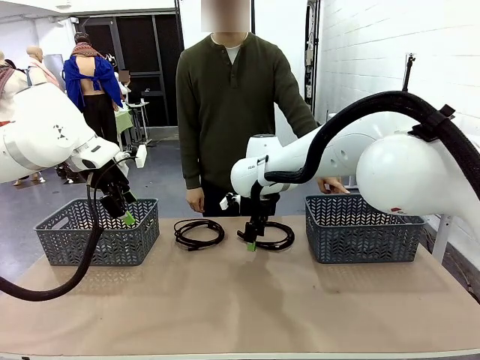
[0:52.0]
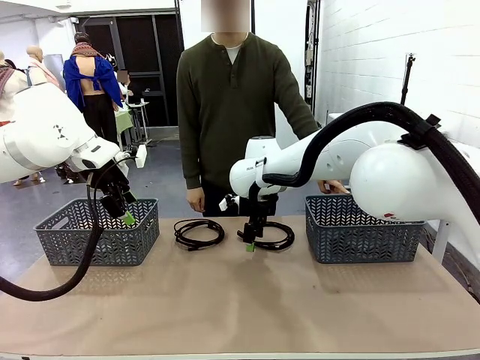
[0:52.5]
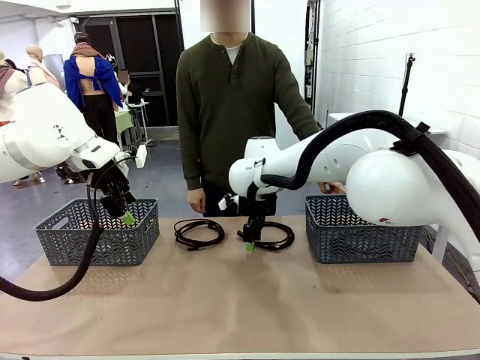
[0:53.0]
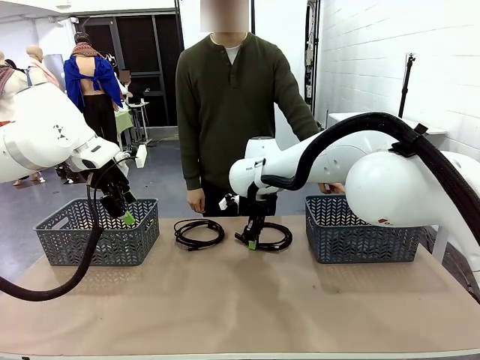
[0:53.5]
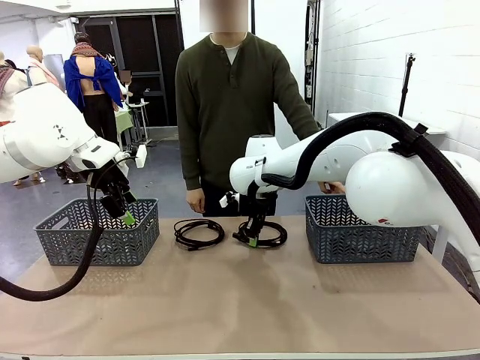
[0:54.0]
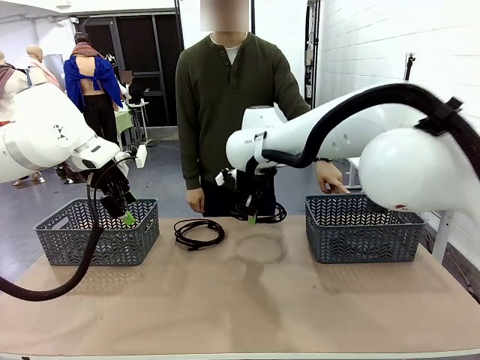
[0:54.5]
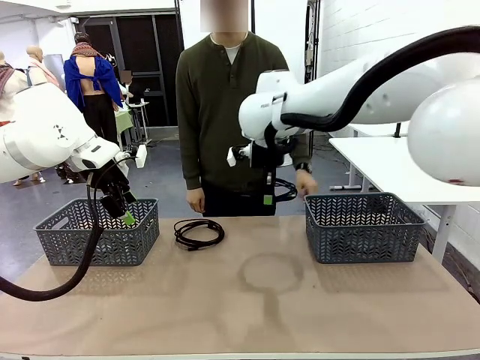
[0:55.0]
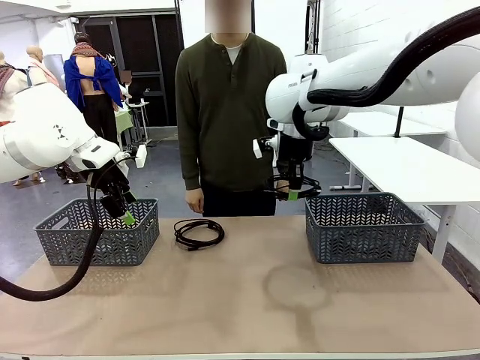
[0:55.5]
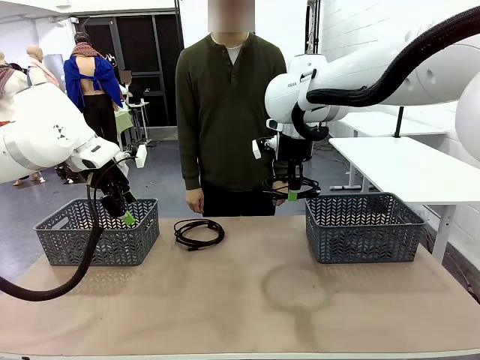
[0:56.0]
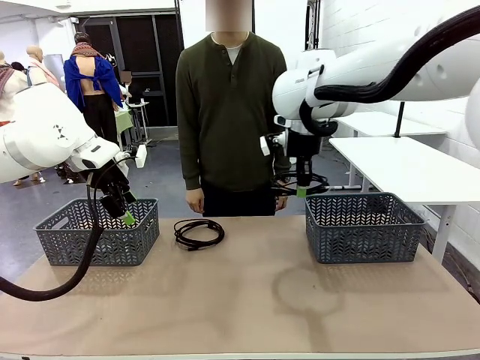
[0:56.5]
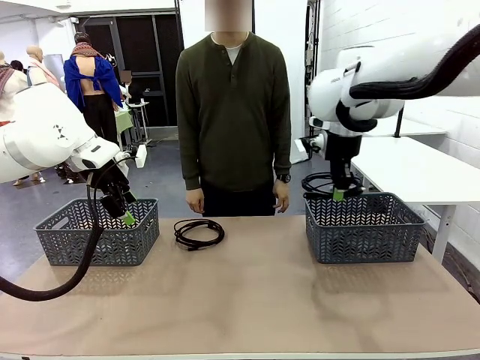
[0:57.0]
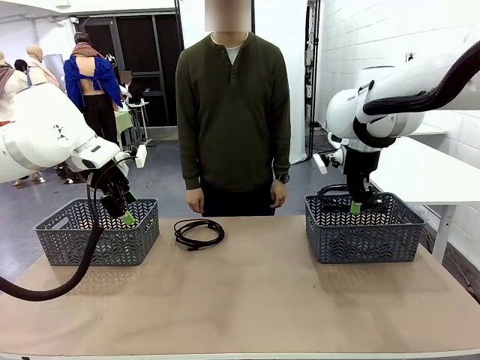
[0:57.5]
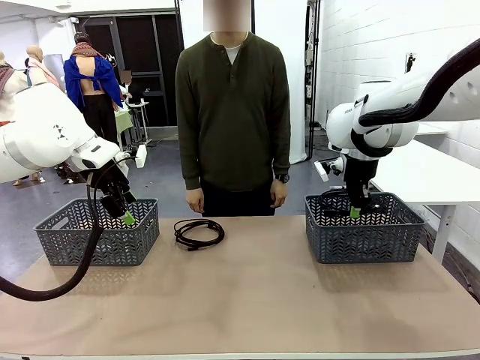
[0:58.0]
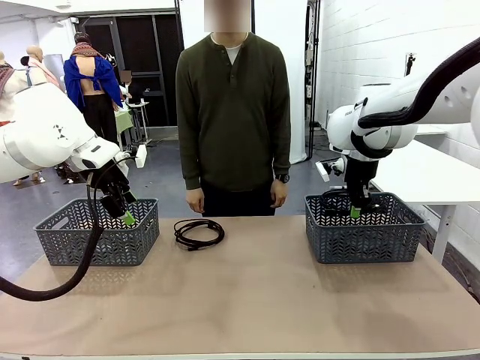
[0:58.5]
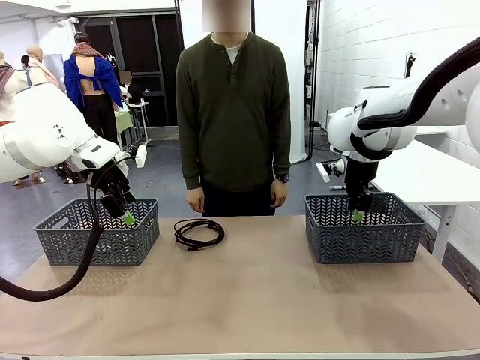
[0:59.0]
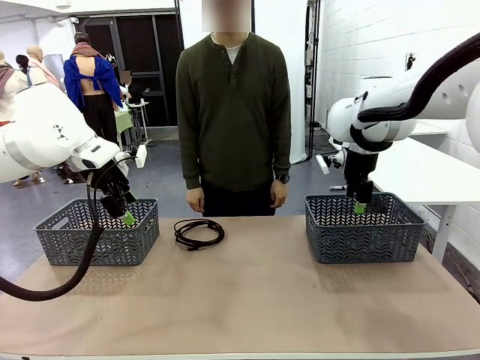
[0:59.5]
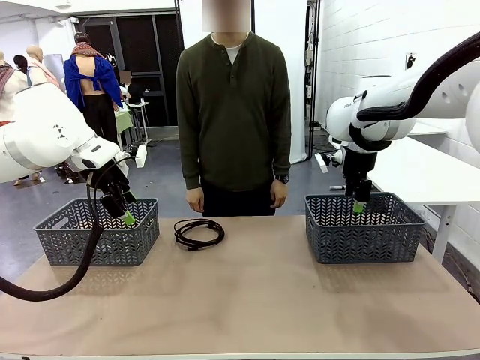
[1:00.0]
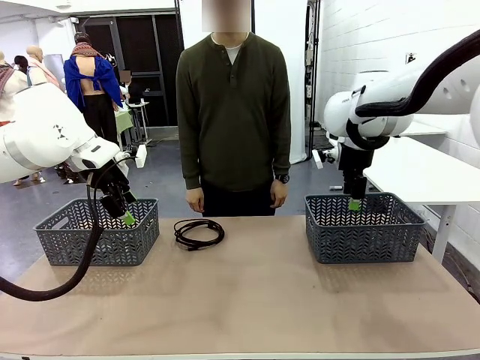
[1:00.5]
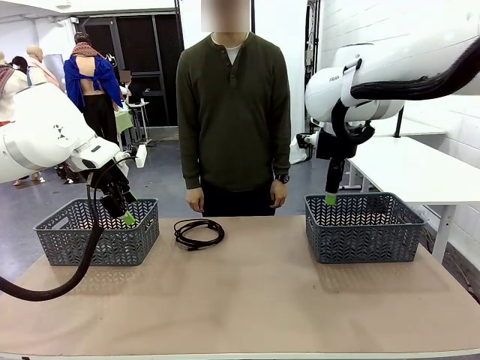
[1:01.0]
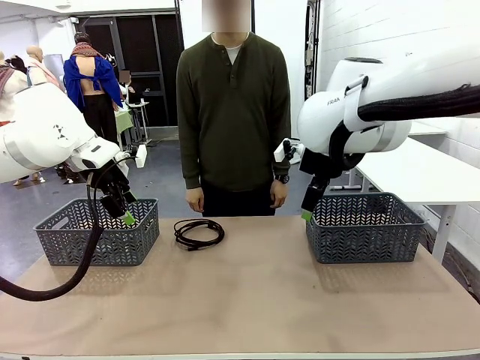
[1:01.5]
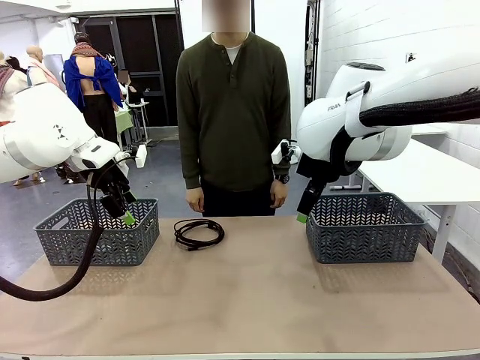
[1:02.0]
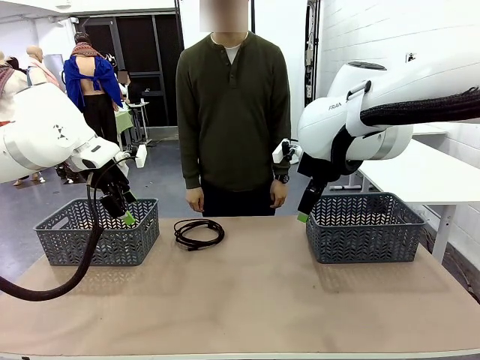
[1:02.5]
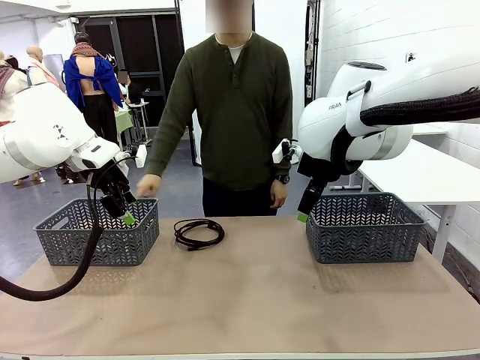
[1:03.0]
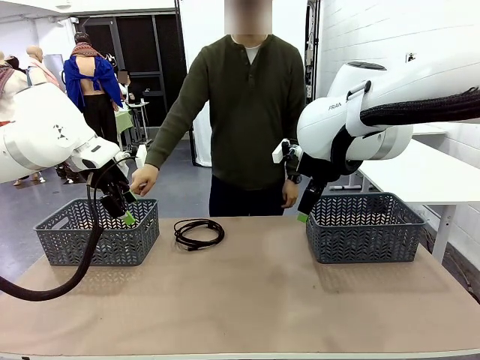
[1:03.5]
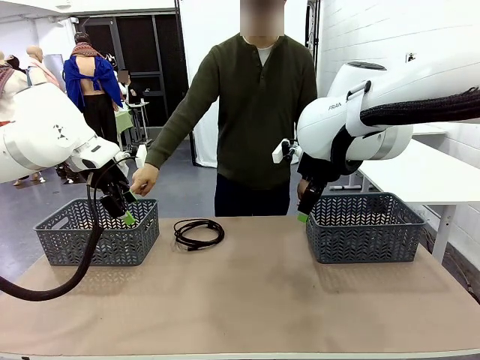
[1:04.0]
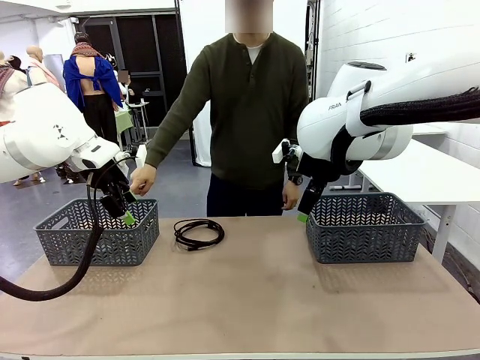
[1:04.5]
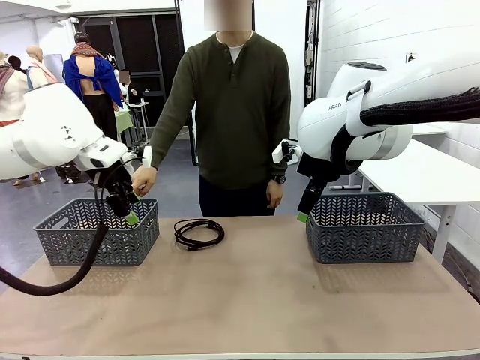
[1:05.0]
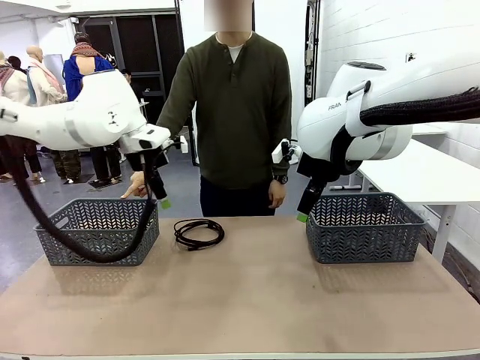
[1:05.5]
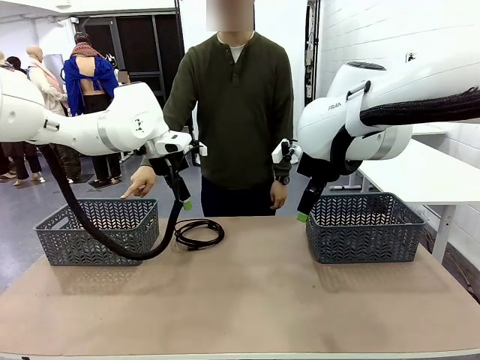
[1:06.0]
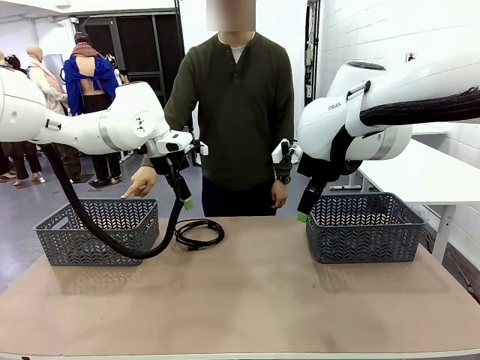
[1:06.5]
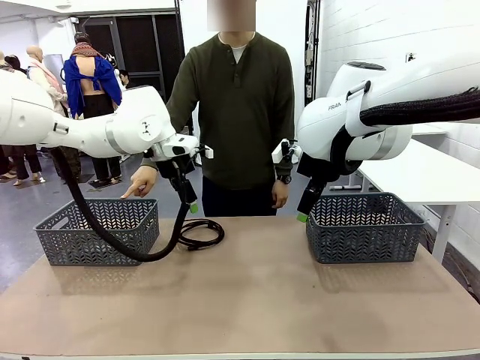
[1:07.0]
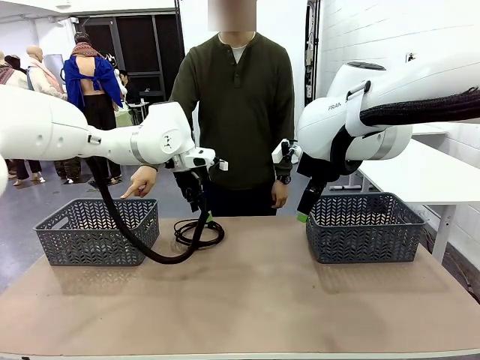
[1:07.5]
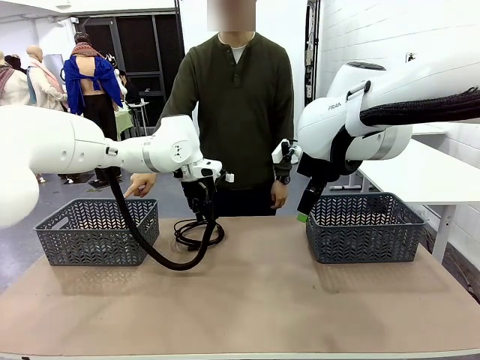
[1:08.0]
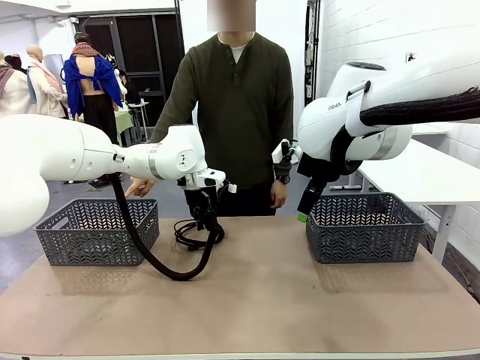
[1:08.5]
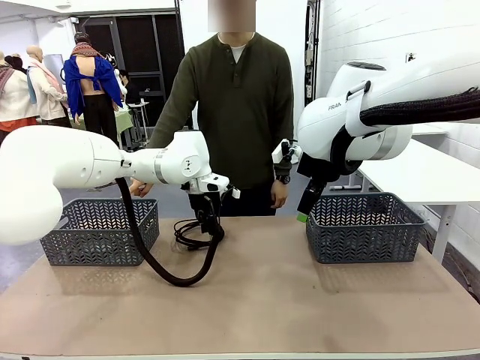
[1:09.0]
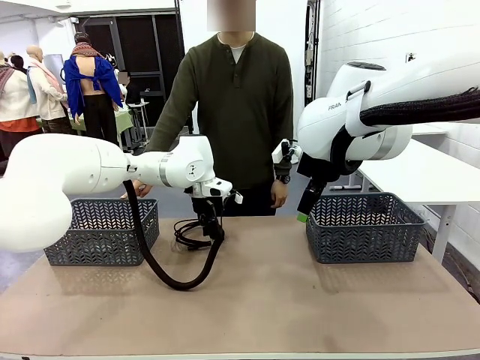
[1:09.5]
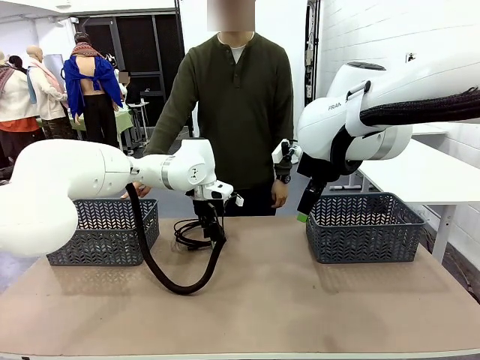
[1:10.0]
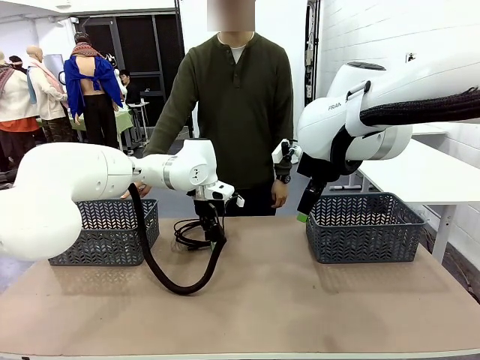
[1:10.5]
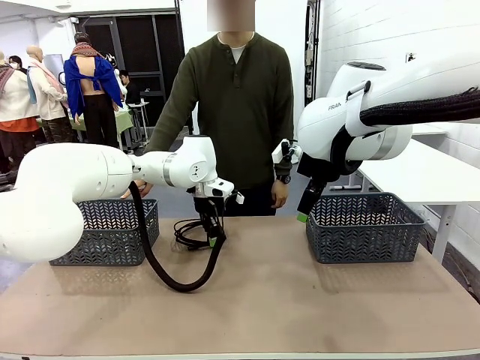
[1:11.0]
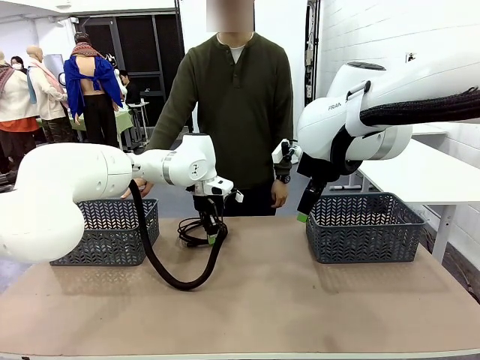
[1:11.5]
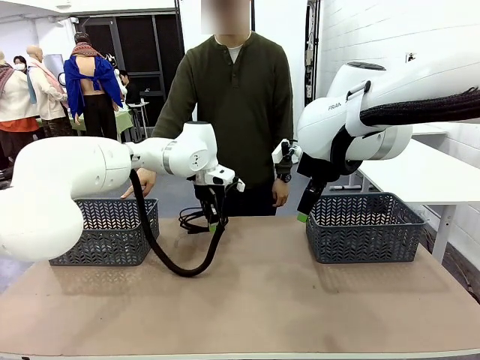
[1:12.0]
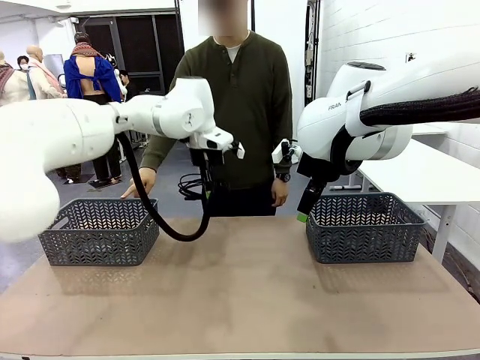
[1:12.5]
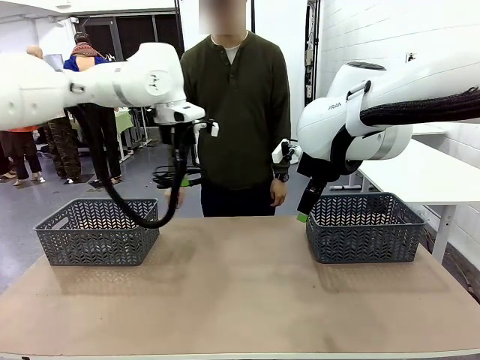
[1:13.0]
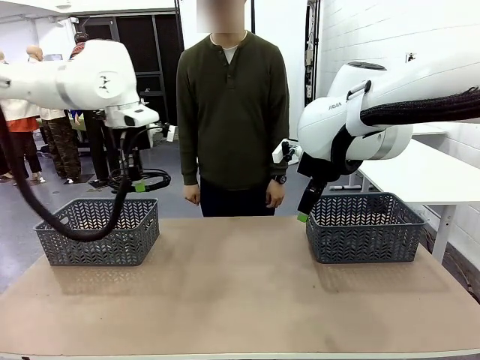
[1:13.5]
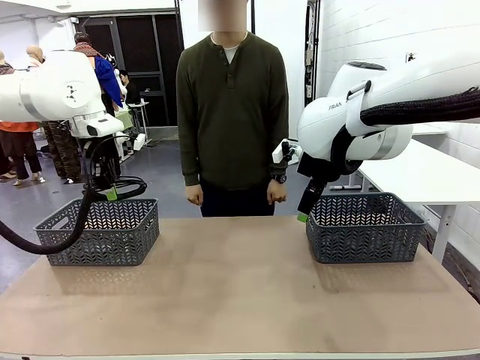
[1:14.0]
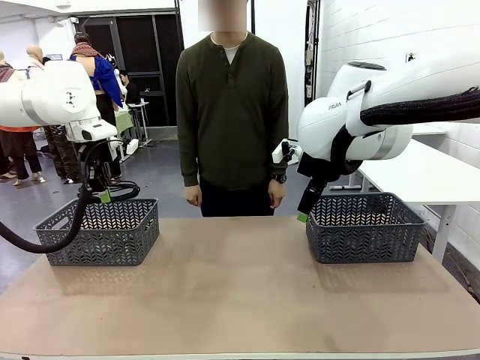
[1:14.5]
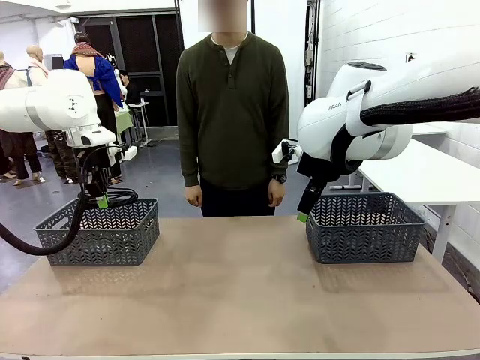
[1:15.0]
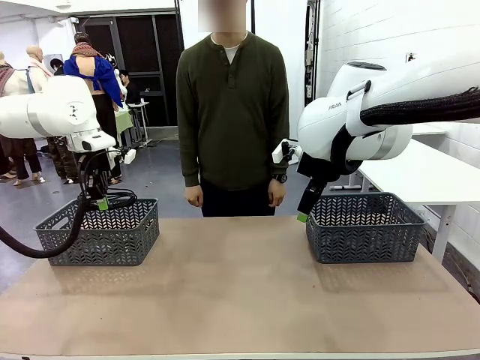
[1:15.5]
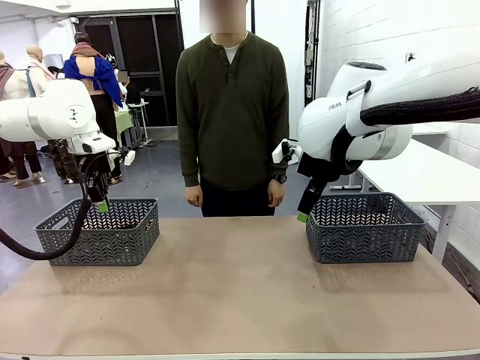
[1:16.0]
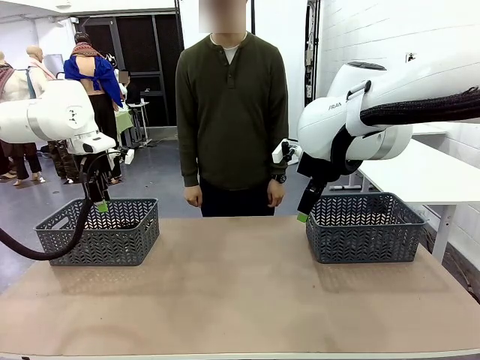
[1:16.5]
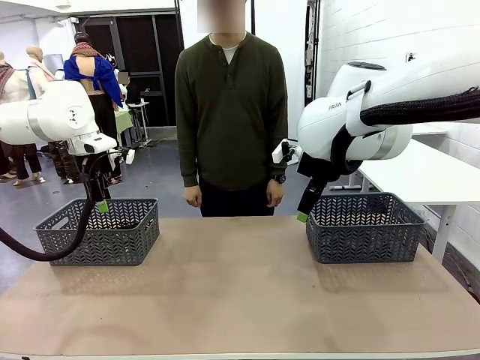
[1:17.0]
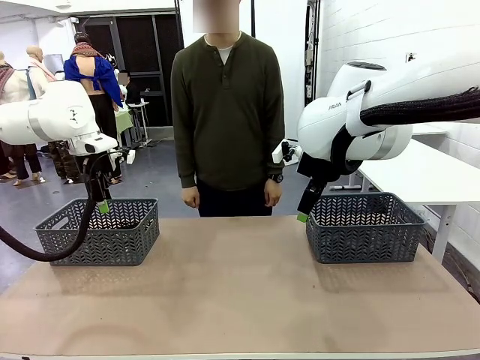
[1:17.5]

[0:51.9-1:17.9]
Task: Organize the cables according to human instructions.
Robot: Pick up a bundle of cables and place it in the basket indicated by the human.
